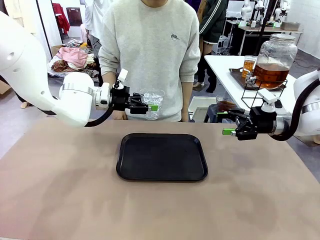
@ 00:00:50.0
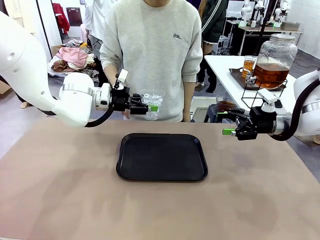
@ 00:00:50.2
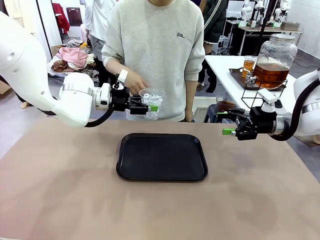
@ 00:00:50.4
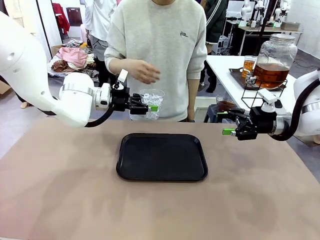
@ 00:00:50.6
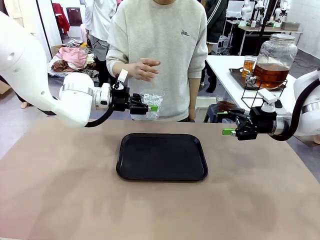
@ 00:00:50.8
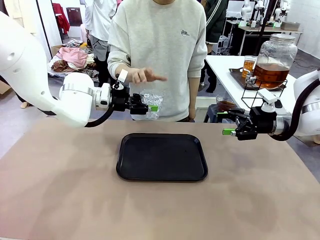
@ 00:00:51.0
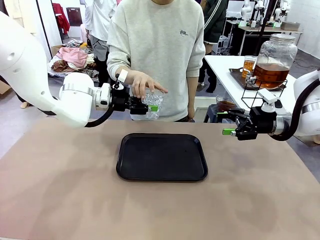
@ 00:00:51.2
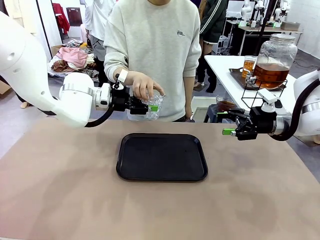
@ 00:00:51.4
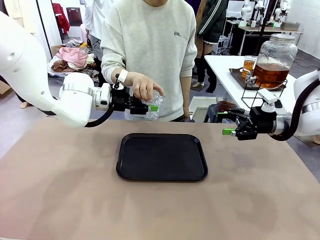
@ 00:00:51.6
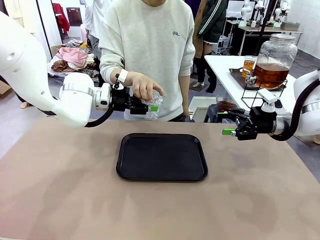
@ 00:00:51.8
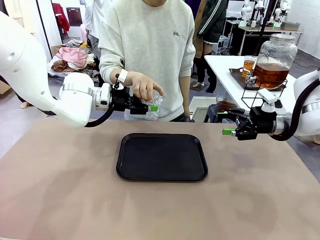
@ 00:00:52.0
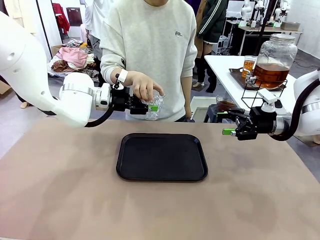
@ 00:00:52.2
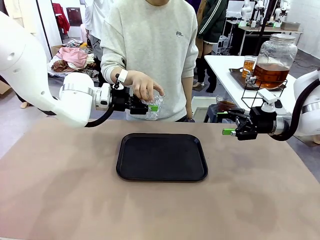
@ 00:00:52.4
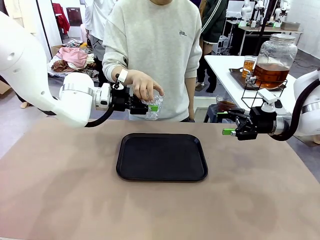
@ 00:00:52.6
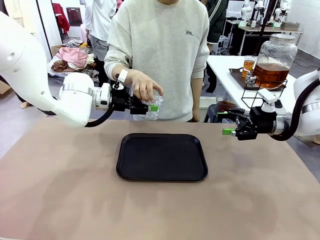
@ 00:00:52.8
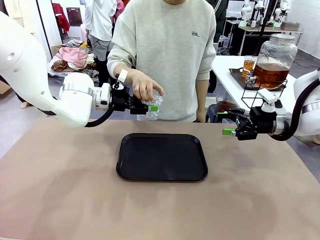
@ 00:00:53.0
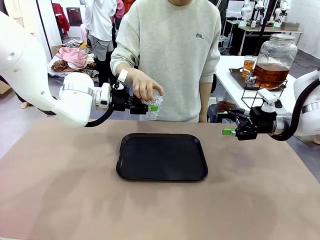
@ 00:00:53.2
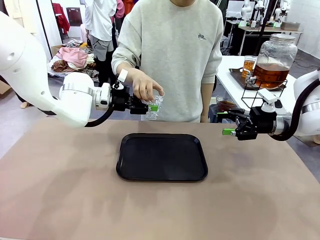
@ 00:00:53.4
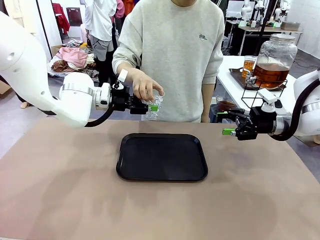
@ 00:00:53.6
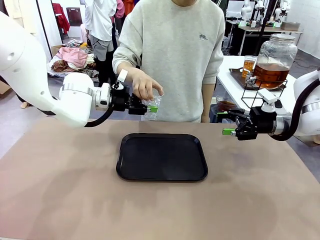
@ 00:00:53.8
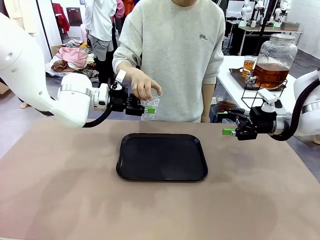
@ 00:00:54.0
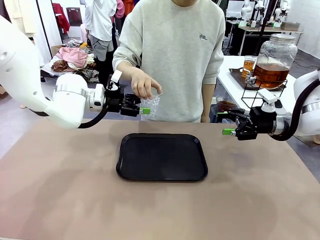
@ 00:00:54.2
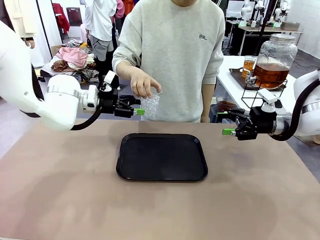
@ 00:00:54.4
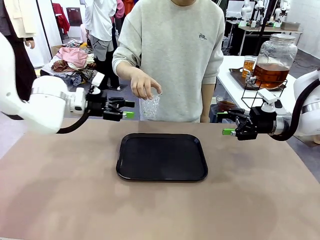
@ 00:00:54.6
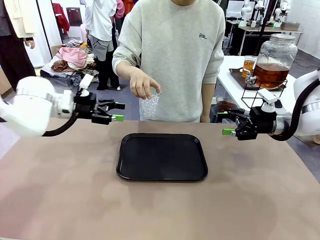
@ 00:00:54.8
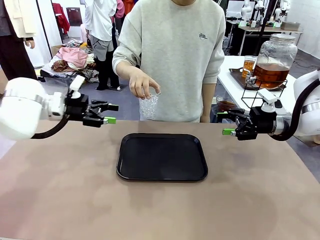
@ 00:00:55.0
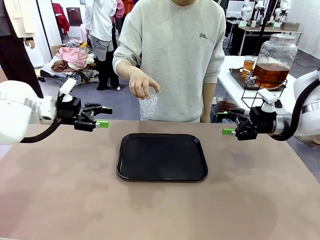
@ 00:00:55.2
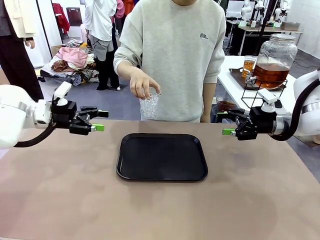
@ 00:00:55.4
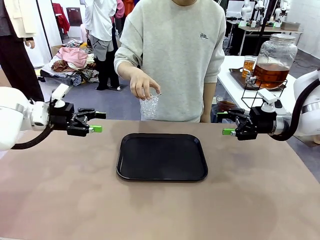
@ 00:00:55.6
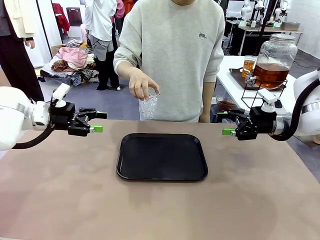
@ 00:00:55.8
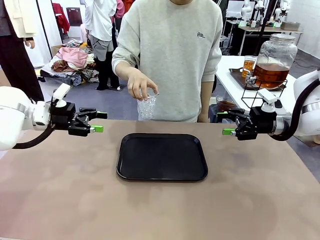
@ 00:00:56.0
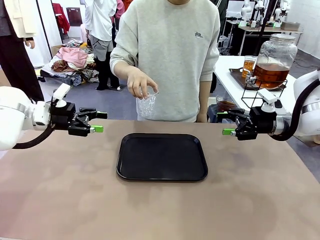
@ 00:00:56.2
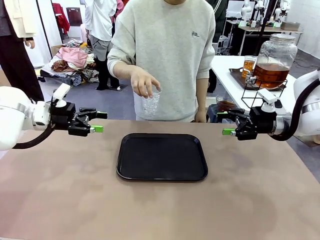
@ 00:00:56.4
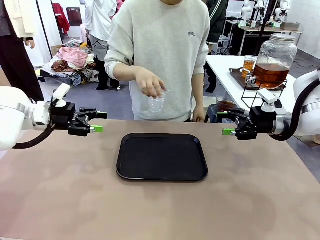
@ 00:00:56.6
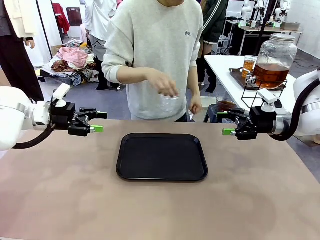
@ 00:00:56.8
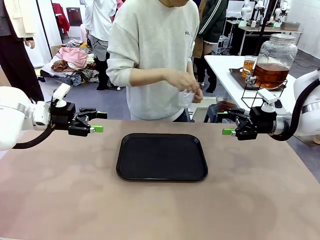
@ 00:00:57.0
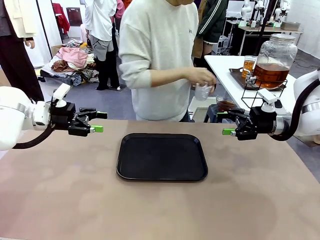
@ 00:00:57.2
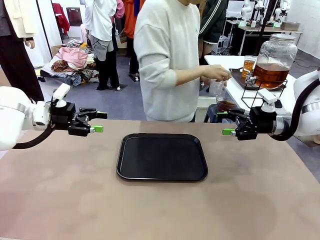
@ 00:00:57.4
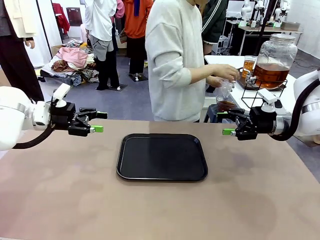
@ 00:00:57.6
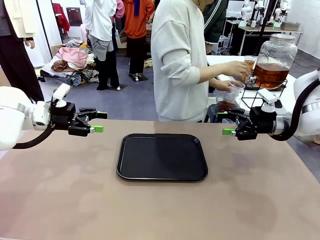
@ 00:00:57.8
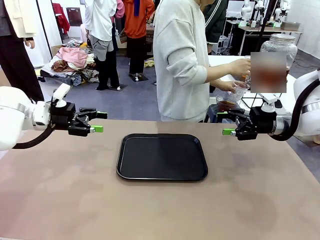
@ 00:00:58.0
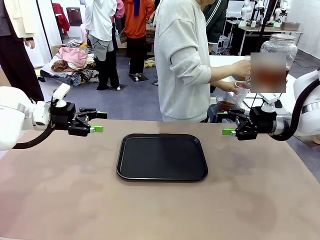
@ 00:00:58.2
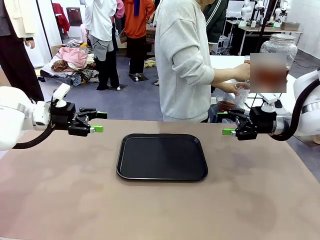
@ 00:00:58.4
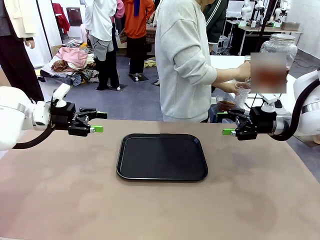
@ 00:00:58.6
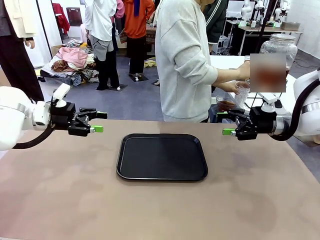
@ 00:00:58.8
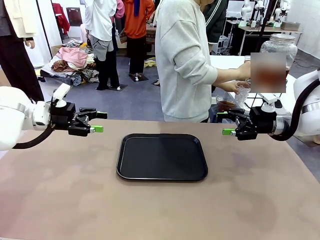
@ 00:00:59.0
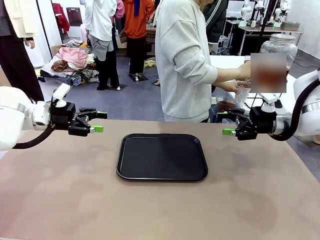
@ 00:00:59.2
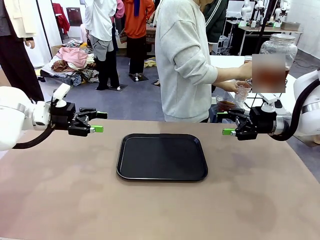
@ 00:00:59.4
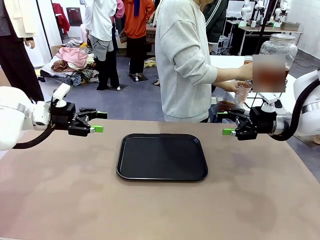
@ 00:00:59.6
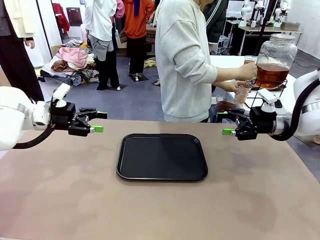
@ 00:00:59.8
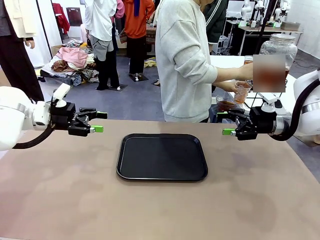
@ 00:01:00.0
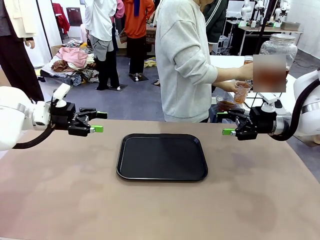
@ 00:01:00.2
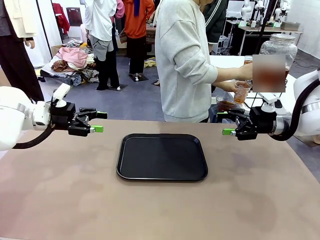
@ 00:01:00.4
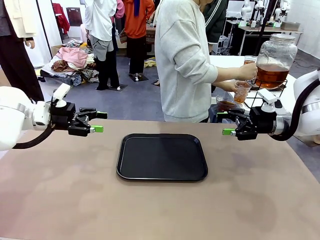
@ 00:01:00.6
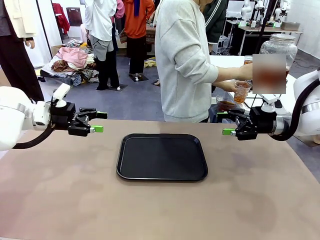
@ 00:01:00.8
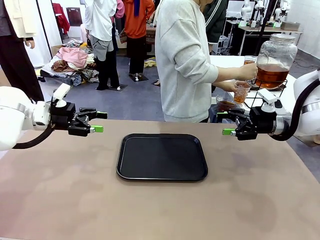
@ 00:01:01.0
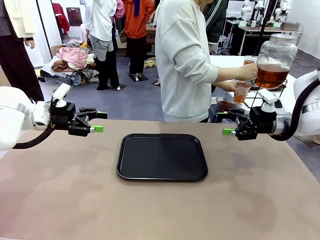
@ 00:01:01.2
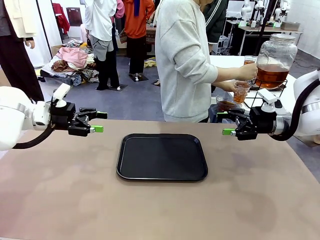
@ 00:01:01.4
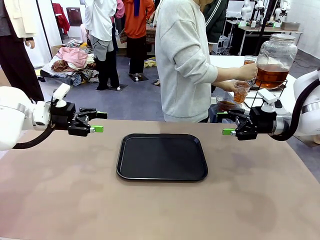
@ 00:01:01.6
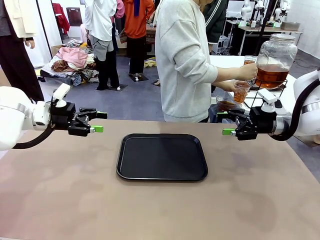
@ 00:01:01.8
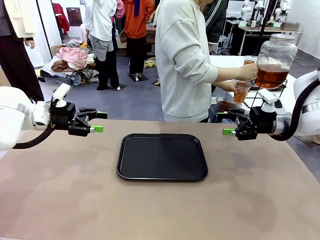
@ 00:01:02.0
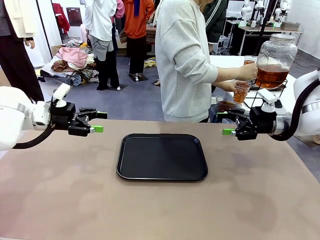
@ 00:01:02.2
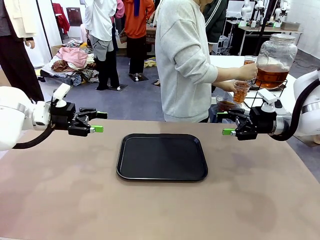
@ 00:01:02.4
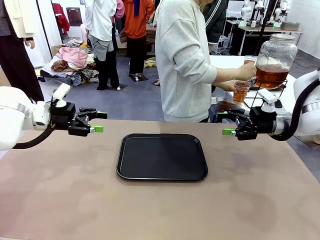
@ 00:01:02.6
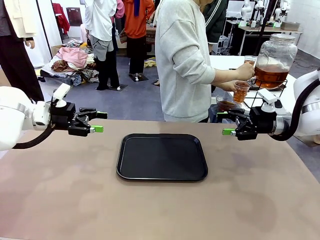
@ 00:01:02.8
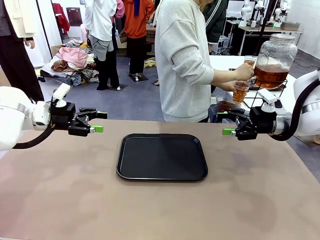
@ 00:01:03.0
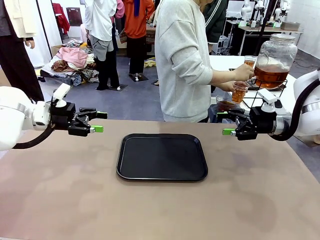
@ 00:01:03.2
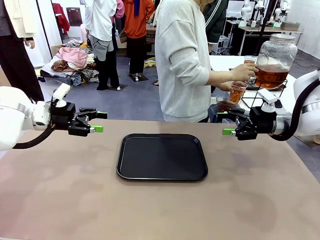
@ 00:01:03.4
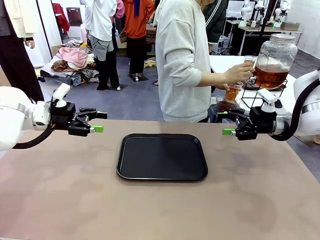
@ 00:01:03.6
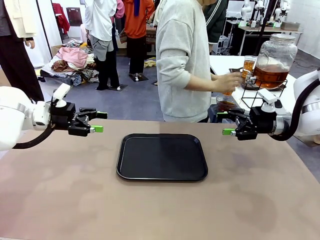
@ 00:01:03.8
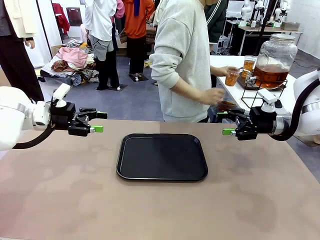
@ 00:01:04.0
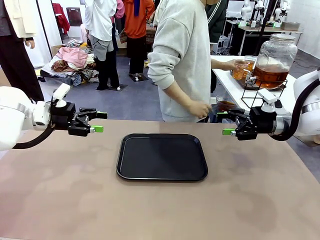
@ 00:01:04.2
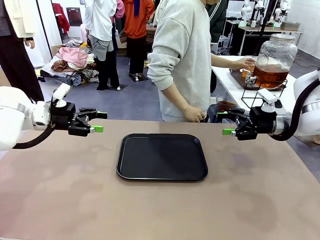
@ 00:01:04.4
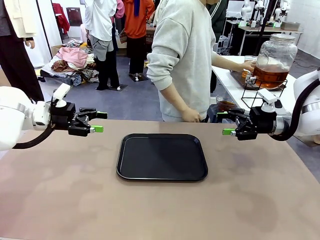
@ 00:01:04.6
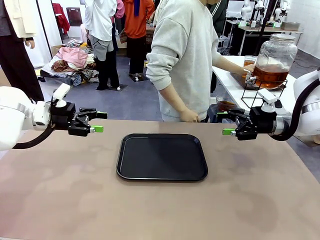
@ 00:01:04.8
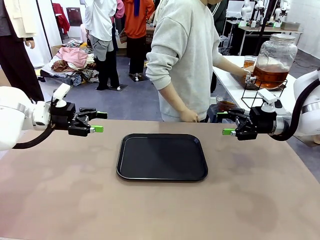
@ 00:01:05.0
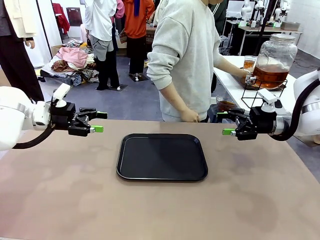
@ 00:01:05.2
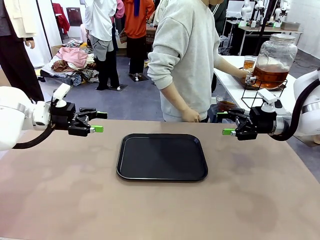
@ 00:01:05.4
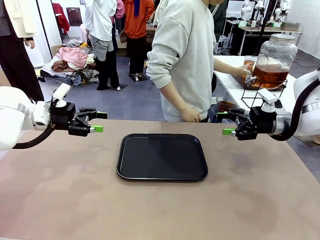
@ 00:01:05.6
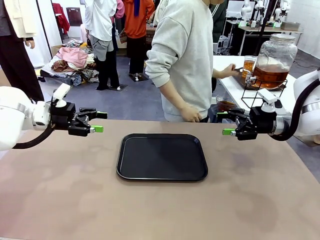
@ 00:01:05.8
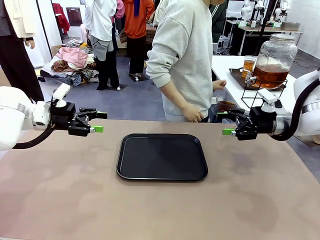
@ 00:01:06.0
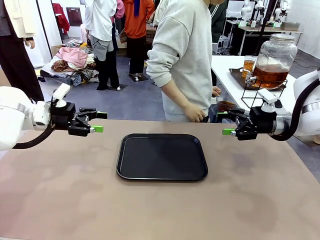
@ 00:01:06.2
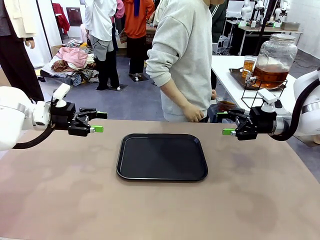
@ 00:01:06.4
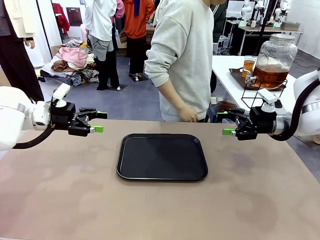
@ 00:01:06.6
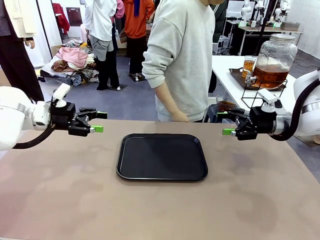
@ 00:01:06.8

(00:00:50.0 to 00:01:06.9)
Task: Pour the drink into the iced cup.
Robot: Open the gripper to release the iced cup you were holding.
Person: Move the picked-up cup under the dispenser faucet, pour the drink, and place it on the tray on the human table.
